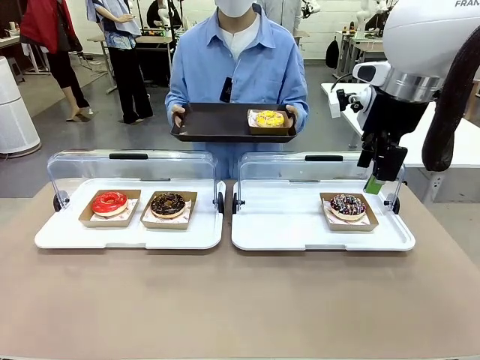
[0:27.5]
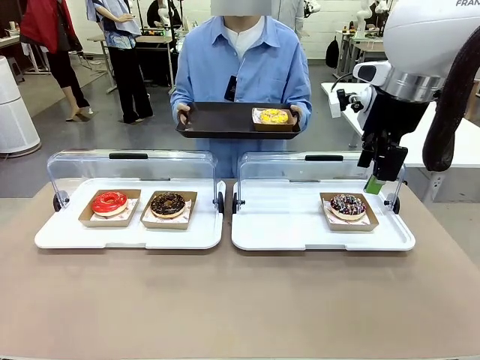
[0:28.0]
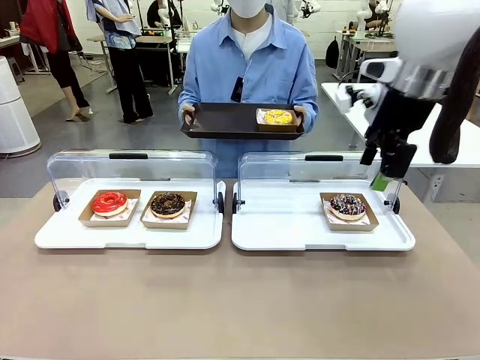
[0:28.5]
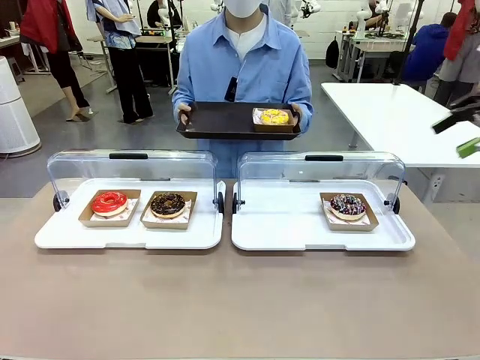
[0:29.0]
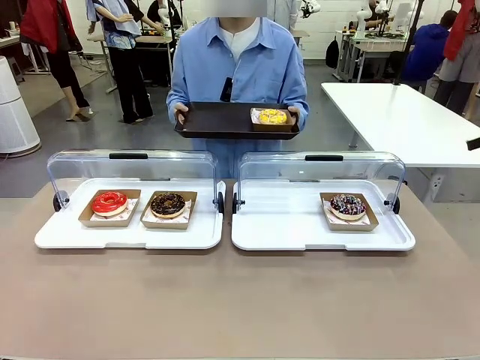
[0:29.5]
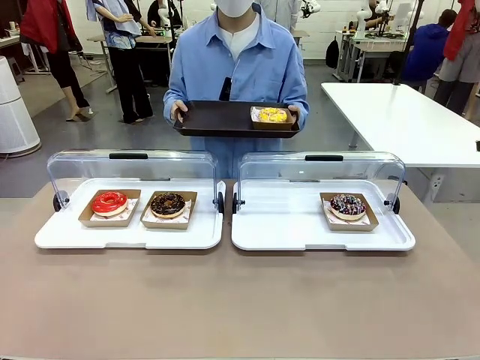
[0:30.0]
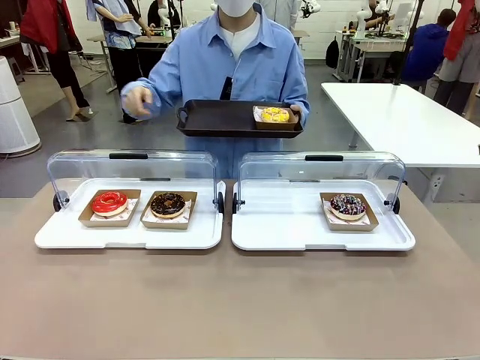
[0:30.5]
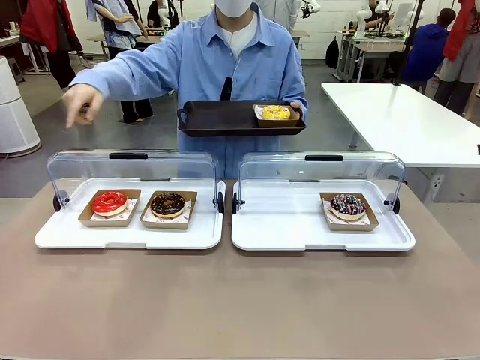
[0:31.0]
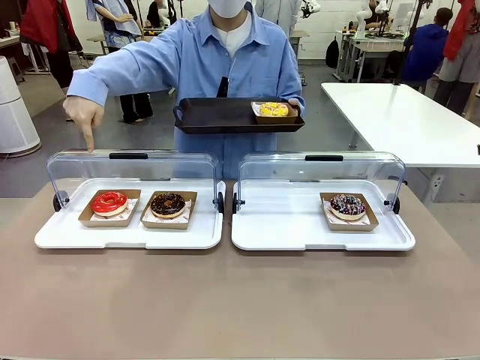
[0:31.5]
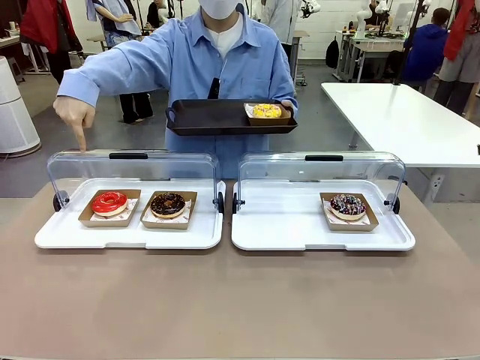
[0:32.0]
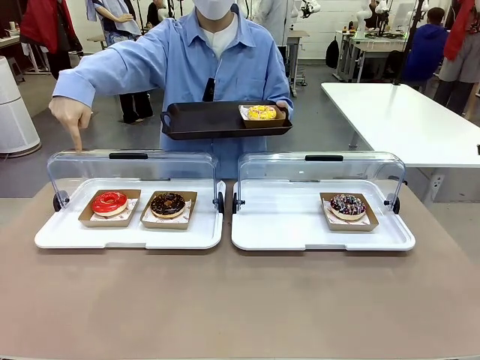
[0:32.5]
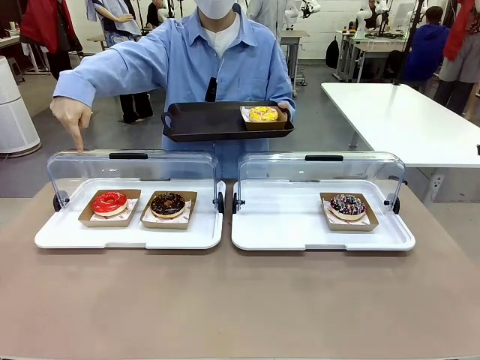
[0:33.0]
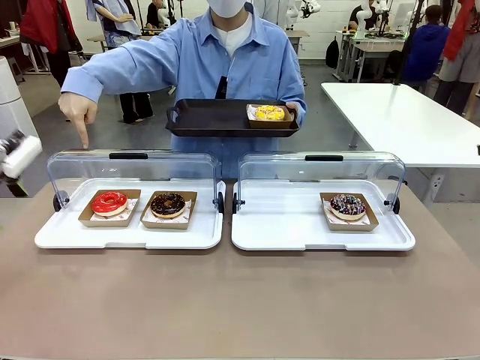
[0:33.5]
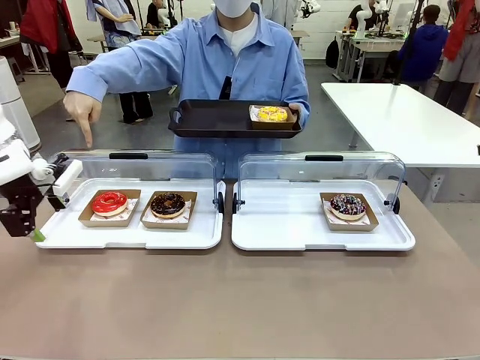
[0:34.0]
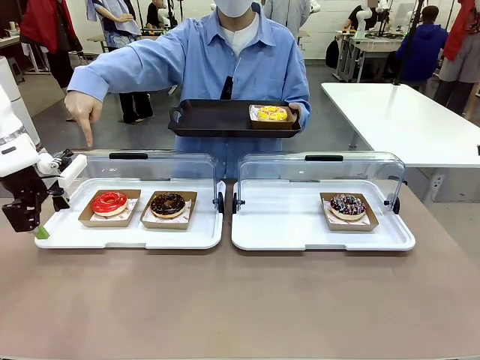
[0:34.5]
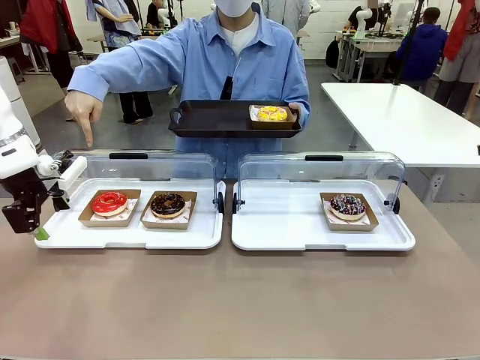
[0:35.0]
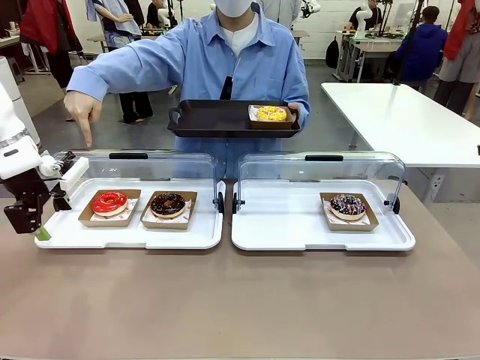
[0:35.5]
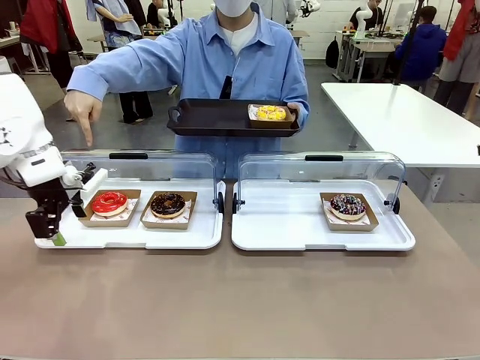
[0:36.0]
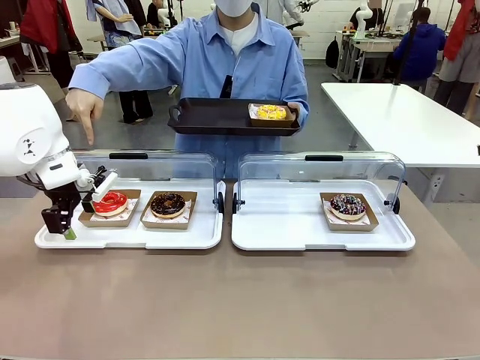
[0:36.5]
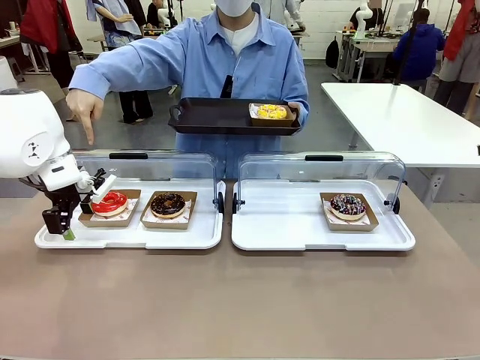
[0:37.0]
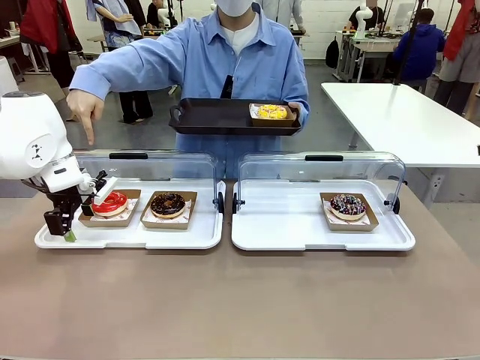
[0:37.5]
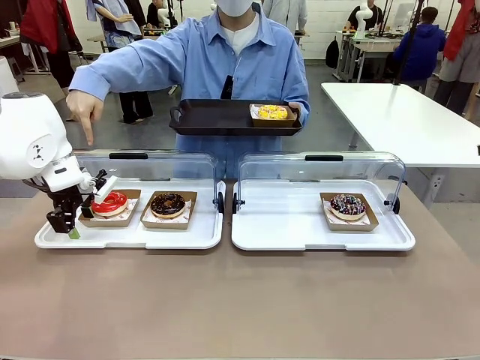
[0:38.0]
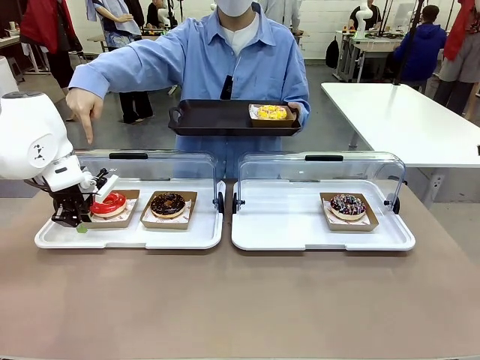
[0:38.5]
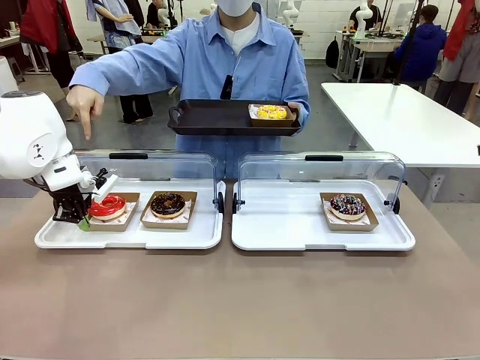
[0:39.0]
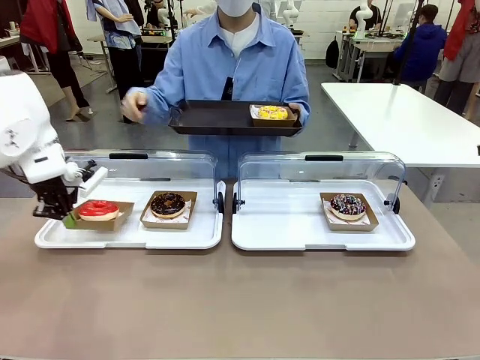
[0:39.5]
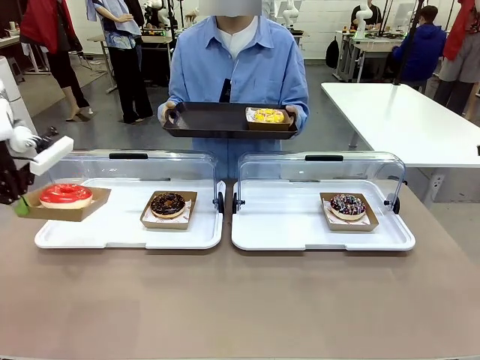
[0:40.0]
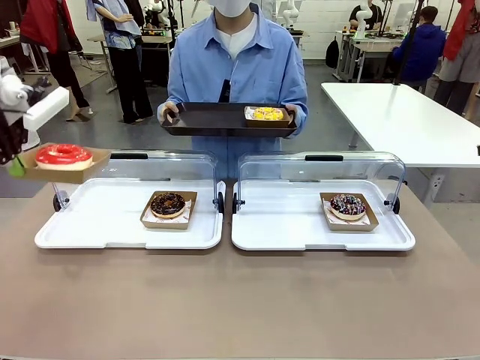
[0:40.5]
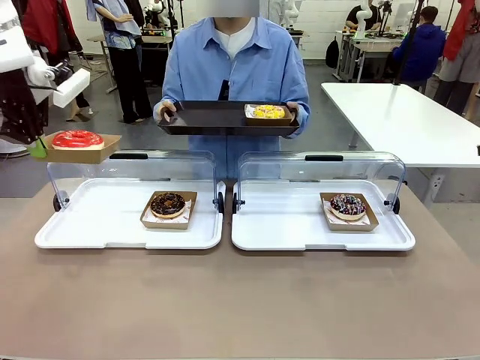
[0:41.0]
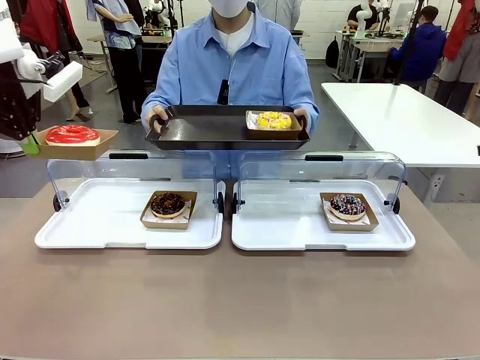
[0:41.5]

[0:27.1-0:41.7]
Task: Provide the desired donut to the person.
Robot: Pick up and lift the Paper togo box containing the Donut pointed at by the person.
Person: Point to one donut. Lift the tray onto the Roll-Top Bakery Case.

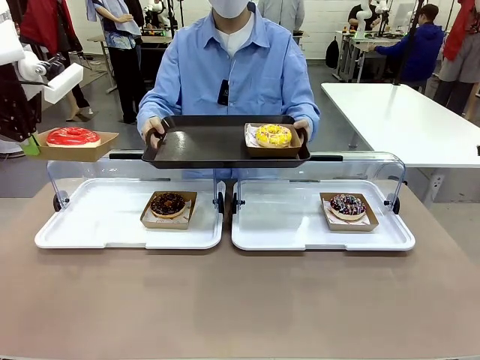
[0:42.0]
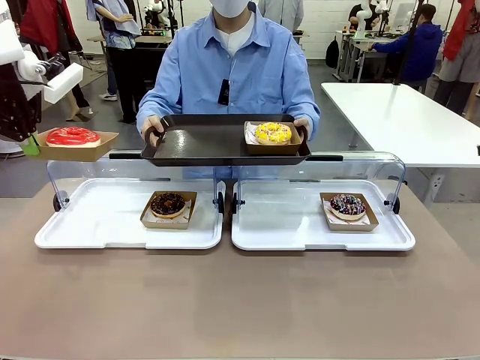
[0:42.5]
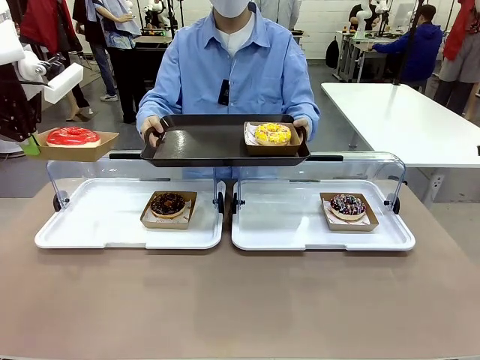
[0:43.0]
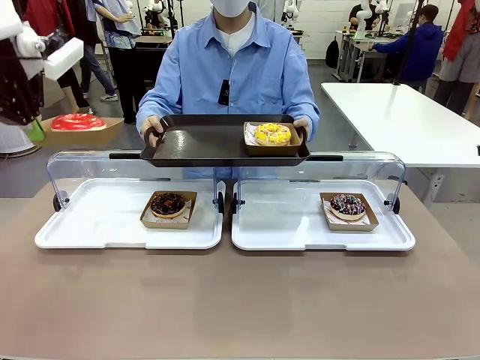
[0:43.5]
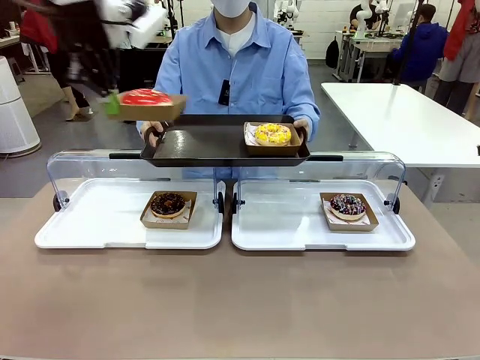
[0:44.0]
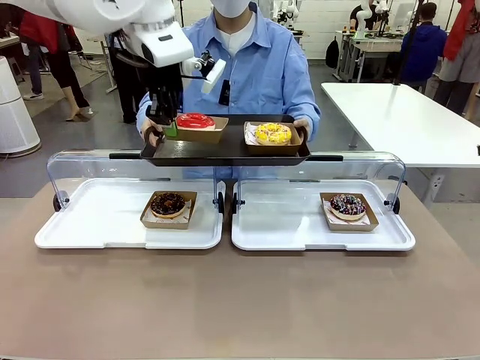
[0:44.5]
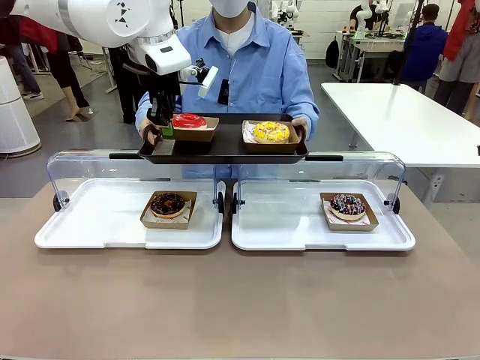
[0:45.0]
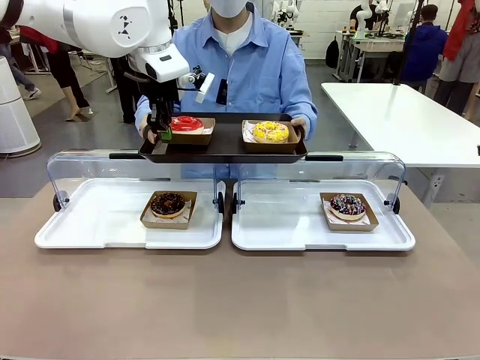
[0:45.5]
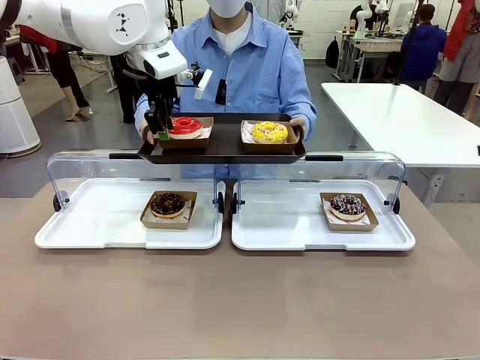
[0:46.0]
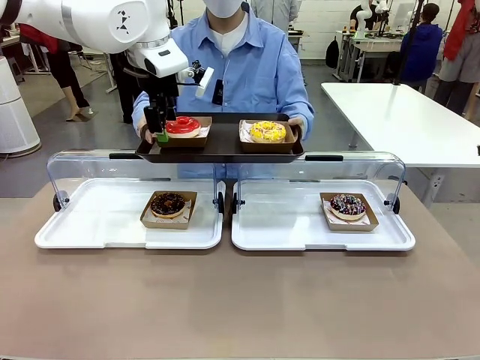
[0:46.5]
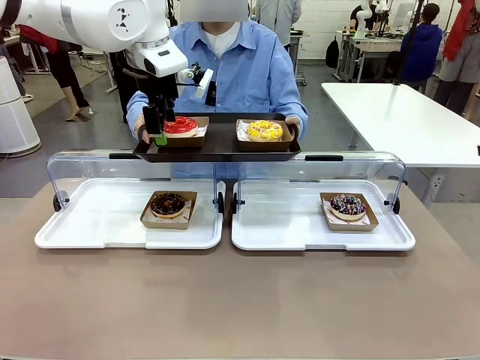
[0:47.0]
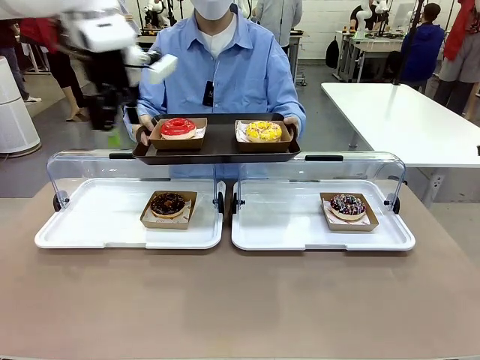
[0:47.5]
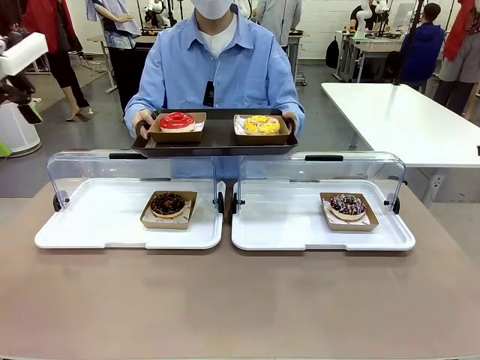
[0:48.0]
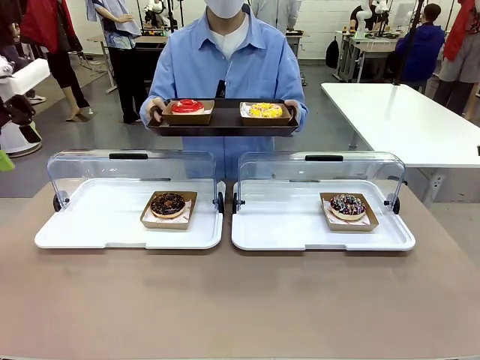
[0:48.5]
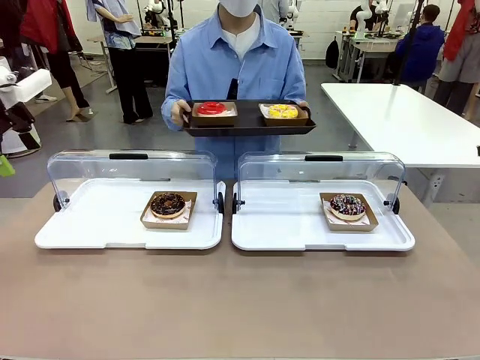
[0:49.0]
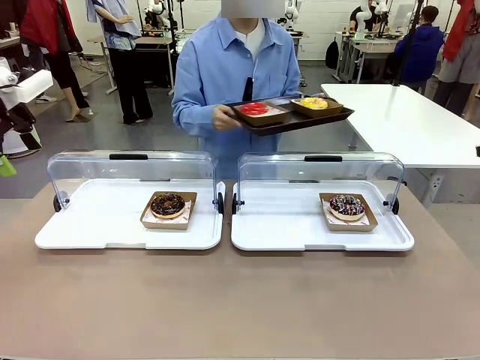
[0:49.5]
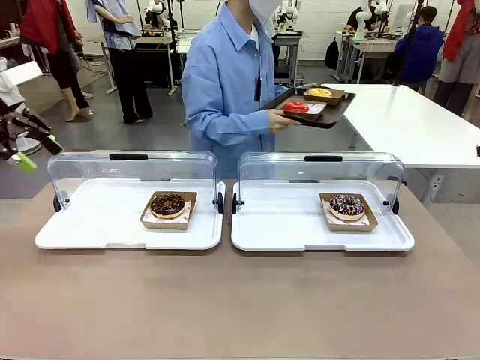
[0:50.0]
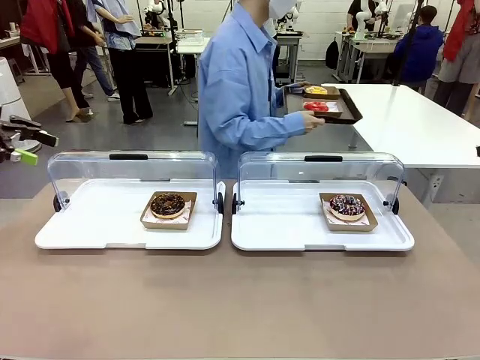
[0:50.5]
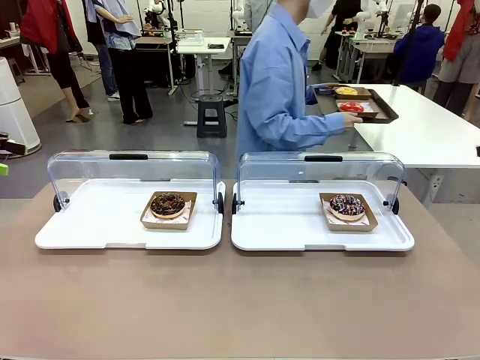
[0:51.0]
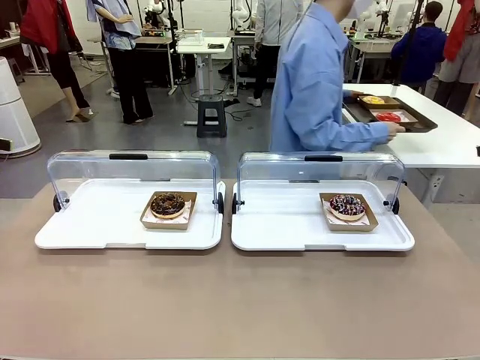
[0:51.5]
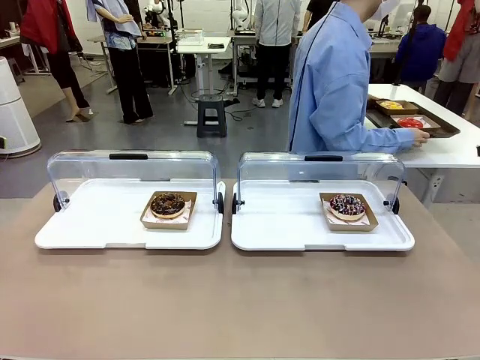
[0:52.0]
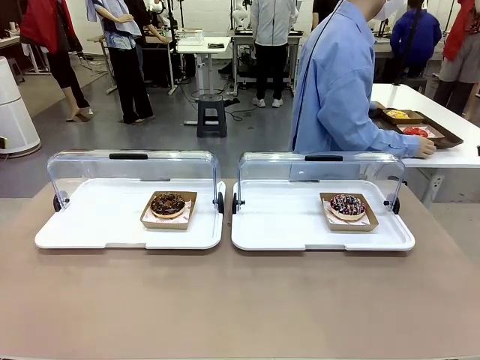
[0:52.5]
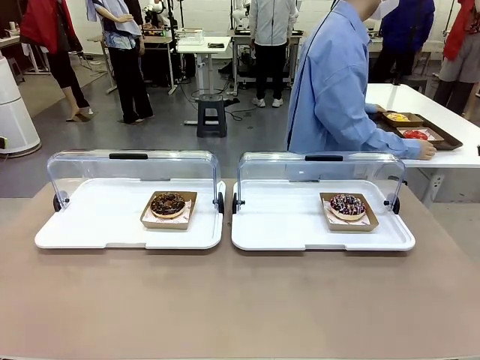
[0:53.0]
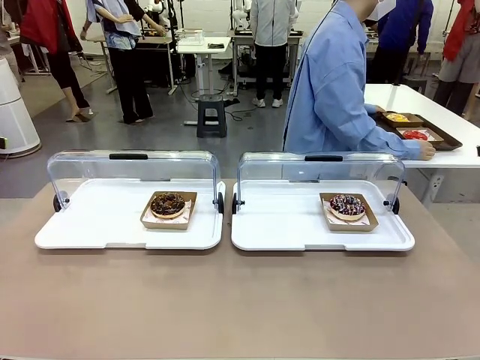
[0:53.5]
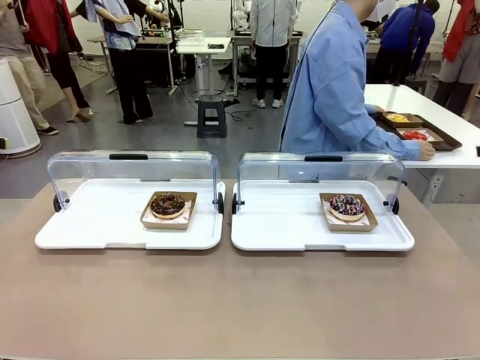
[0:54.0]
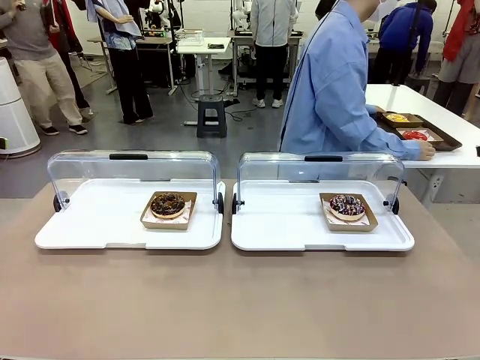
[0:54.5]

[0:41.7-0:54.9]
Robot: Place the picked Paper togo box onto the Handle tray extended by the person.
Person: Place the tray in the middle of the human table.
